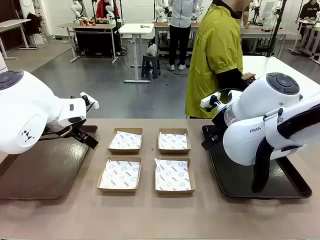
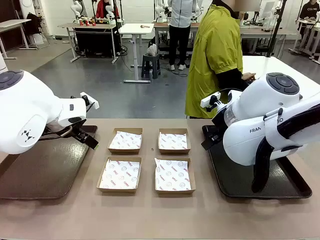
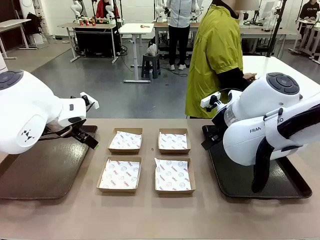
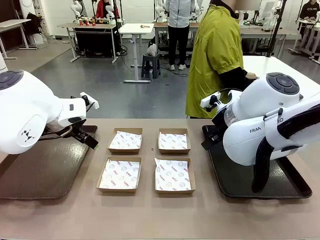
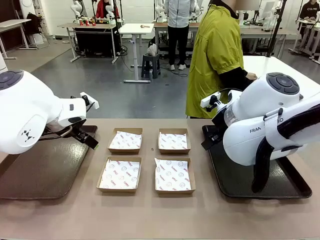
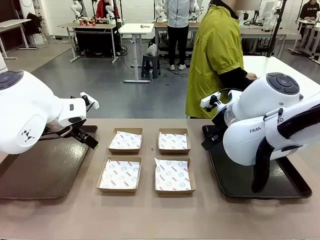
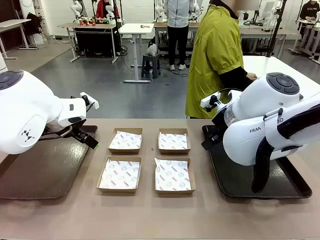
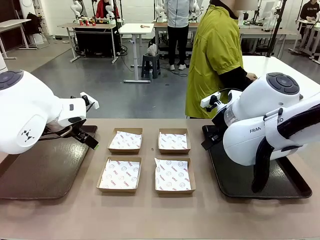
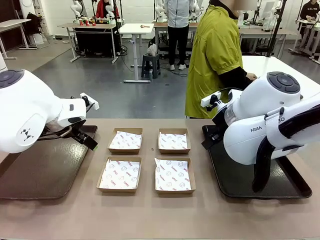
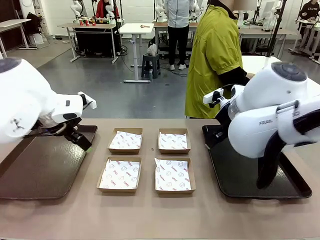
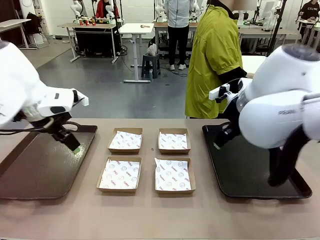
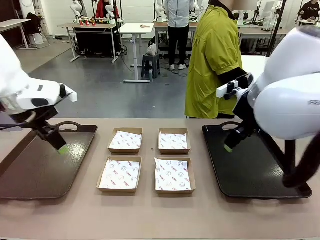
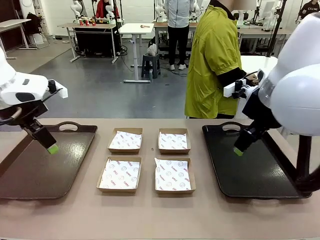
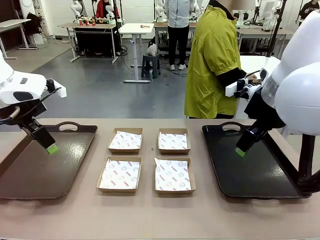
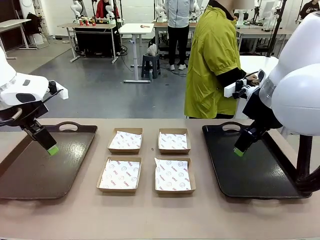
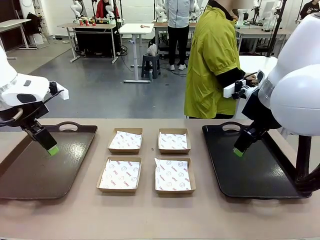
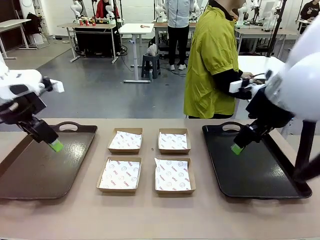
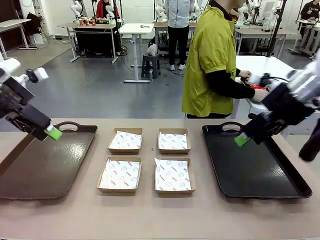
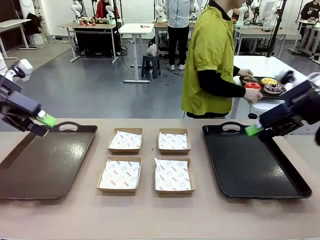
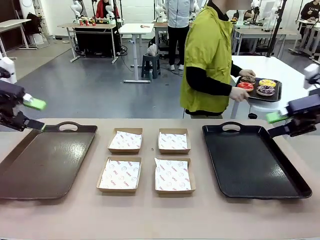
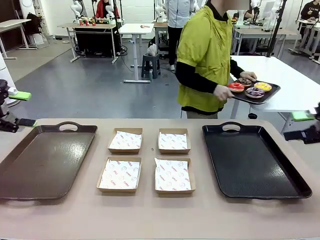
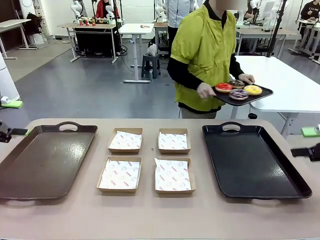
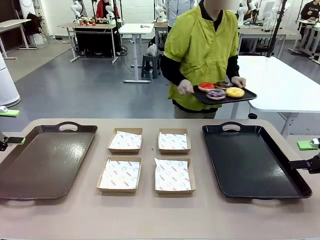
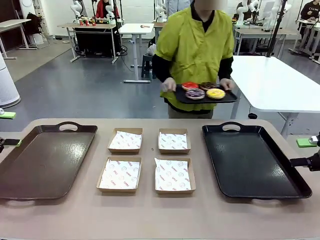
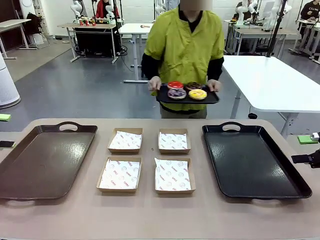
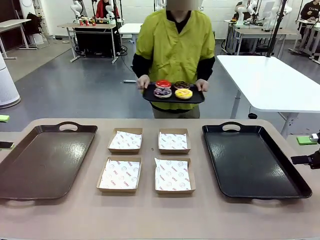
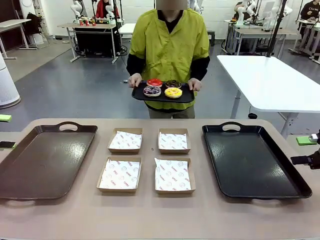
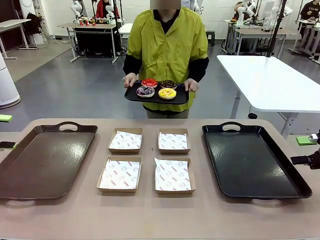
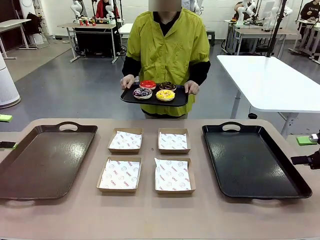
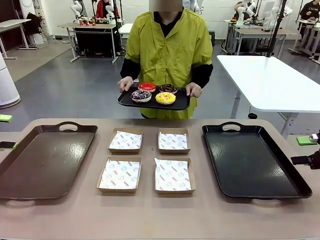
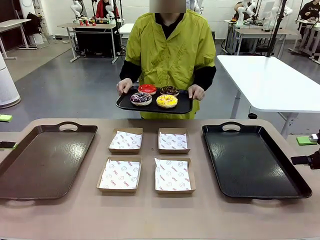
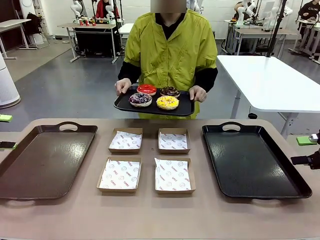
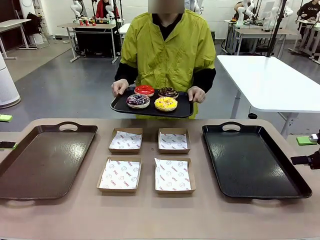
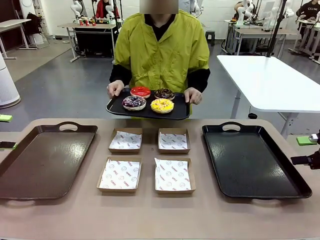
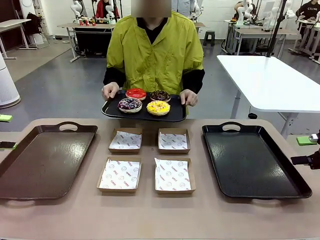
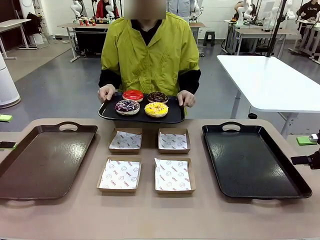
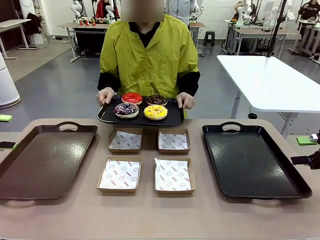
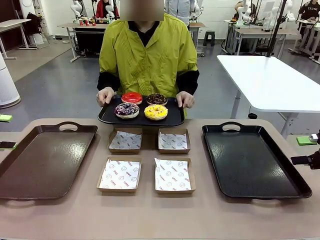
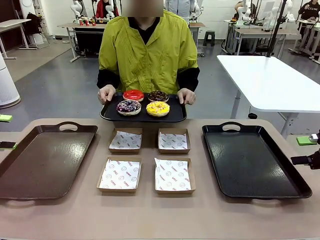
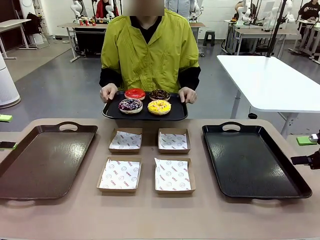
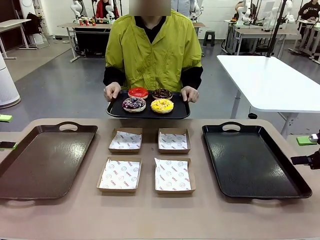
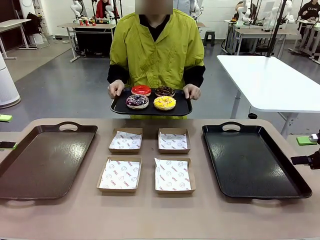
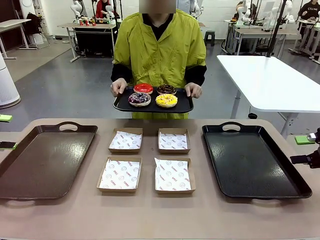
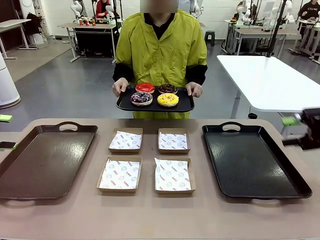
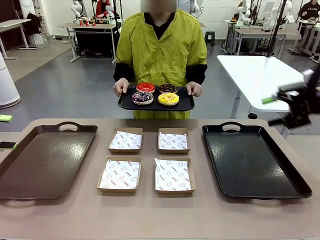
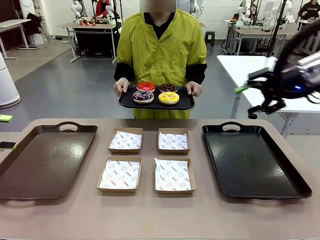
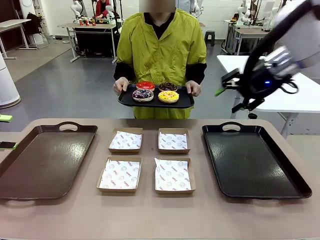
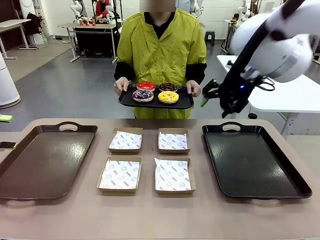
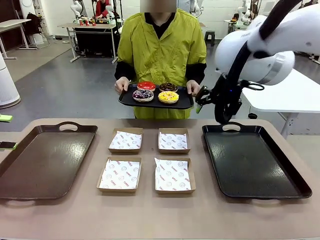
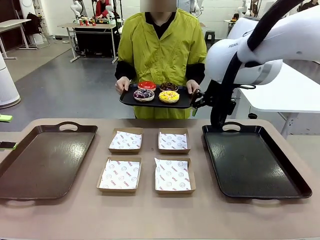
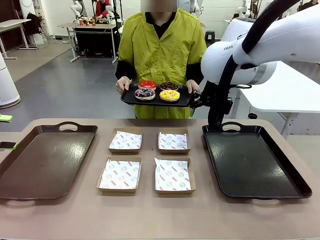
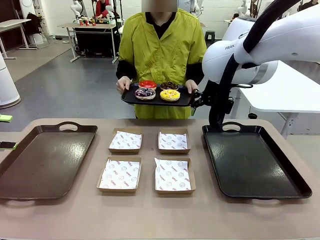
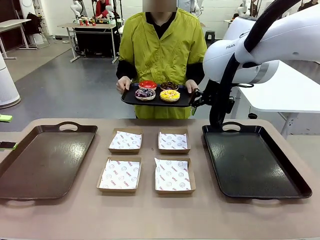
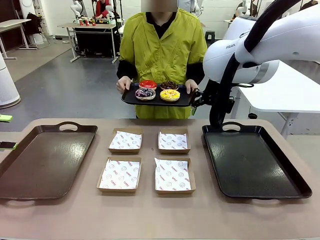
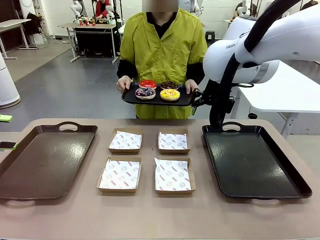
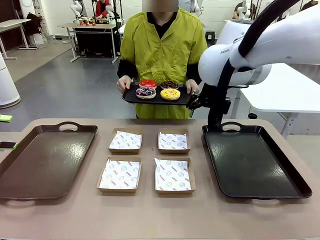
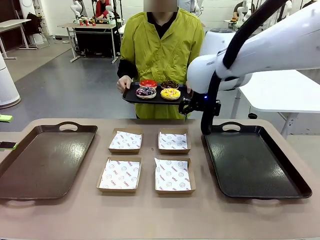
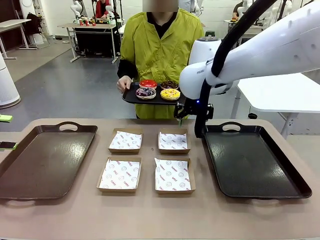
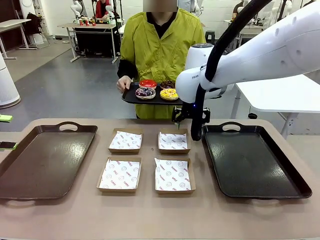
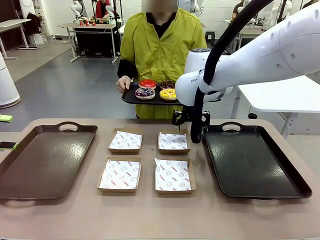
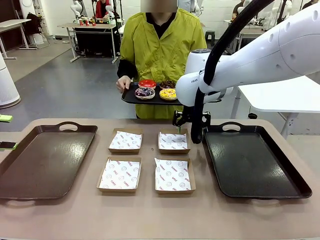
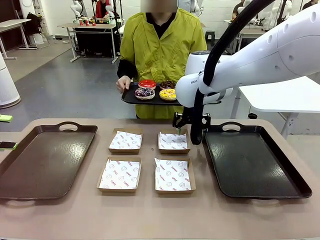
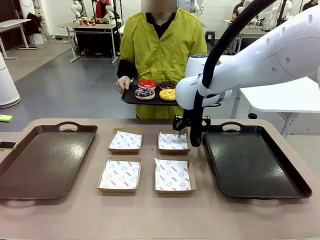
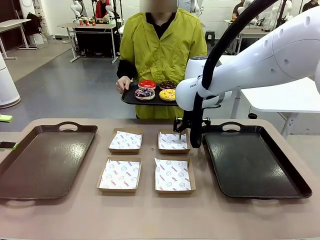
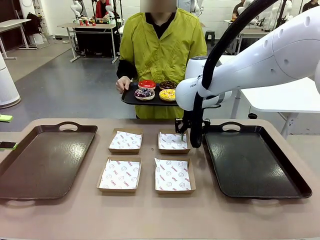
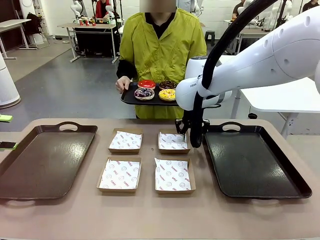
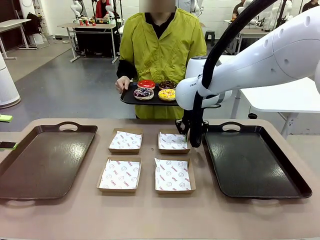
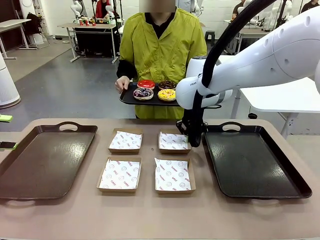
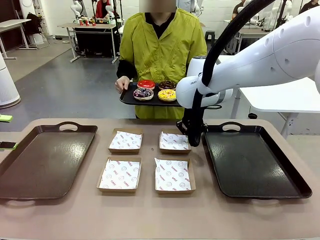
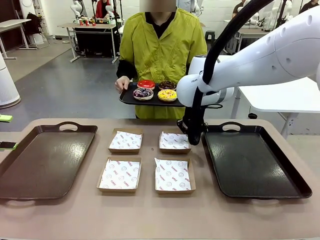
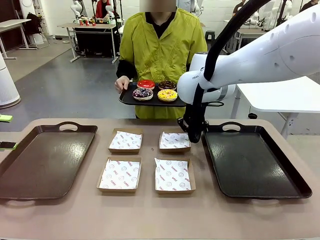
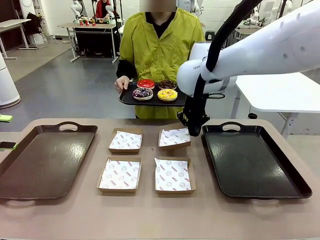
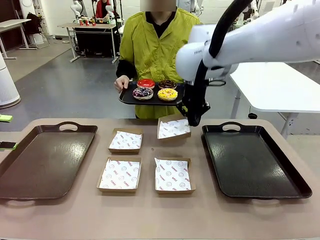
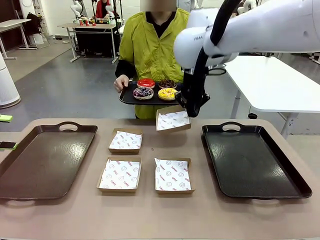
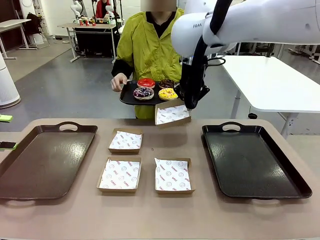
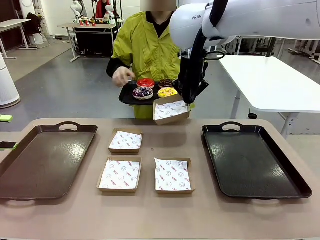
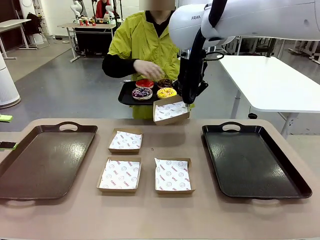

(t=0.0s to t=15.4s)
Task: Individually package the donuts and arrange them on the tray.
Robot: Pick up one Paper togo box.
Person: Stand in front of the robot table holding the tray containing the donuts.
